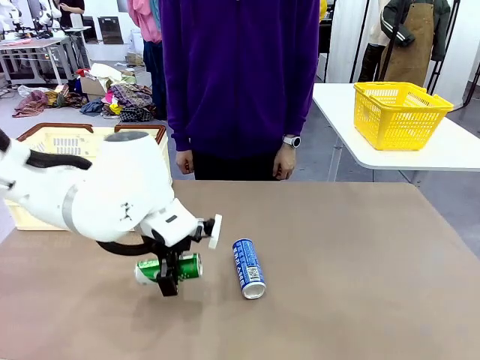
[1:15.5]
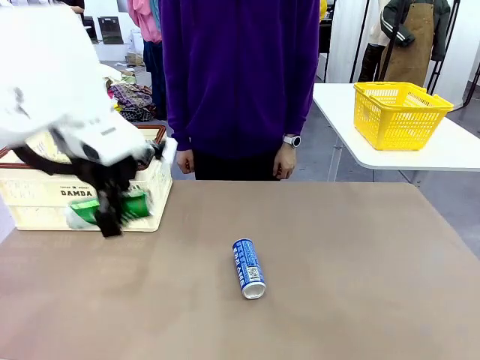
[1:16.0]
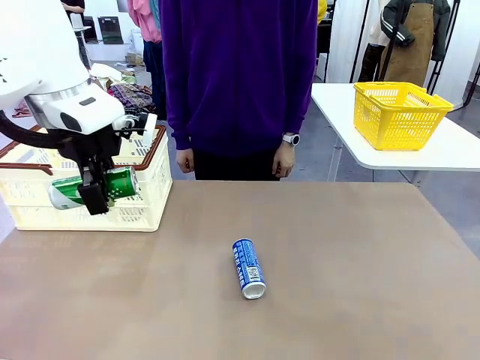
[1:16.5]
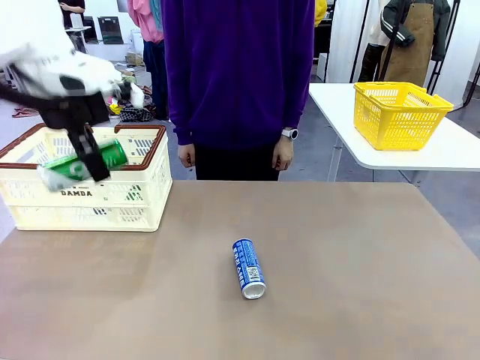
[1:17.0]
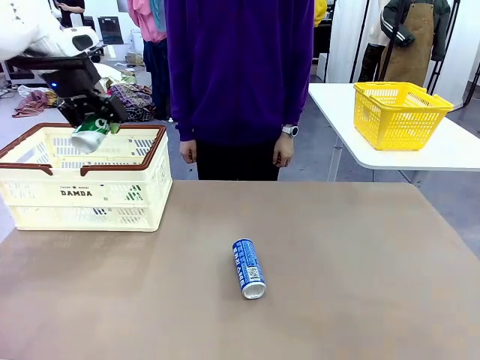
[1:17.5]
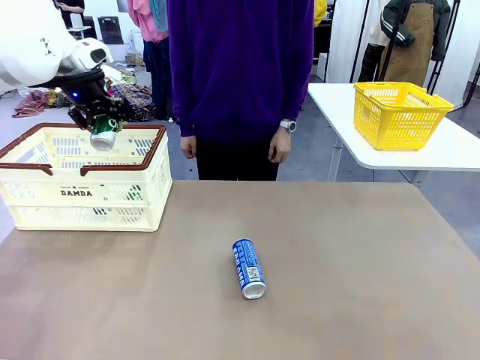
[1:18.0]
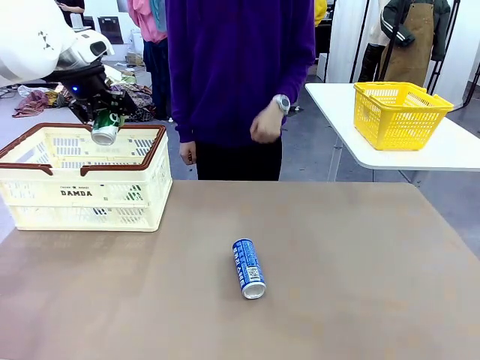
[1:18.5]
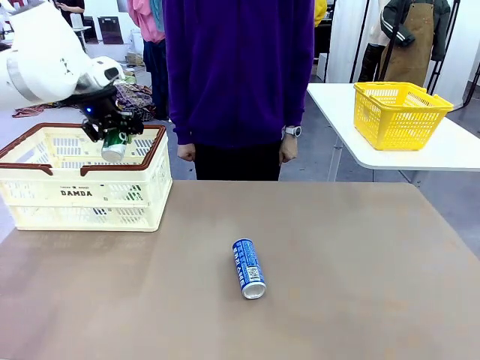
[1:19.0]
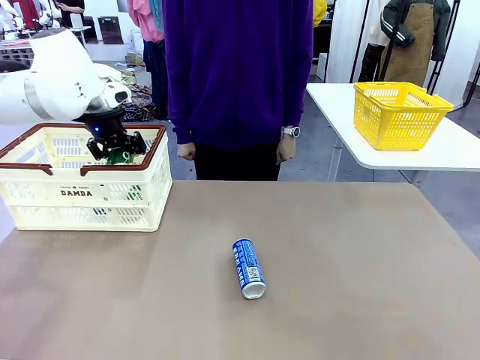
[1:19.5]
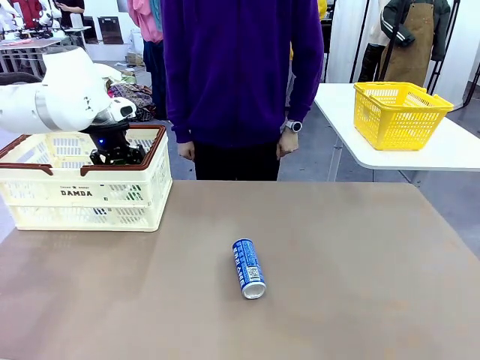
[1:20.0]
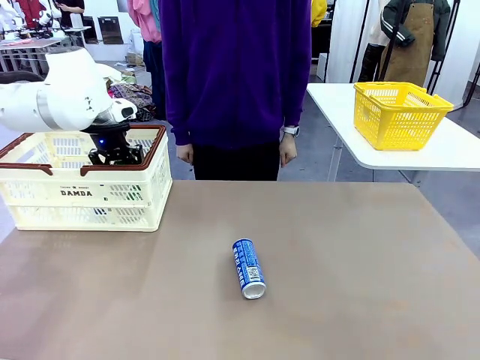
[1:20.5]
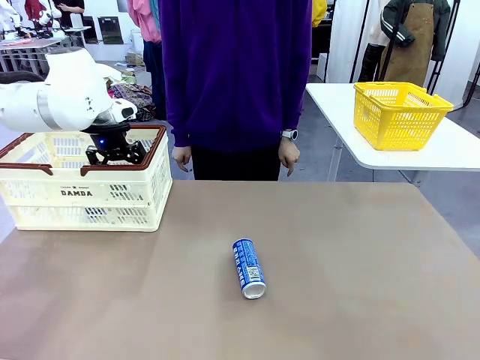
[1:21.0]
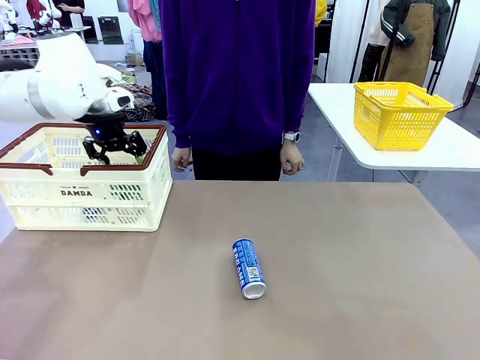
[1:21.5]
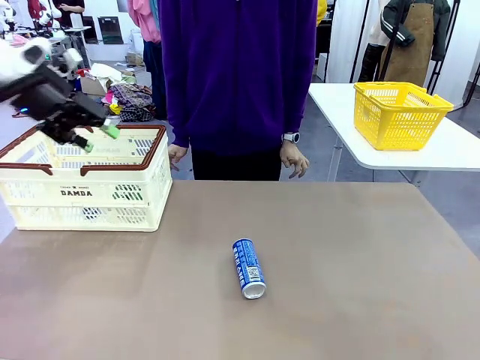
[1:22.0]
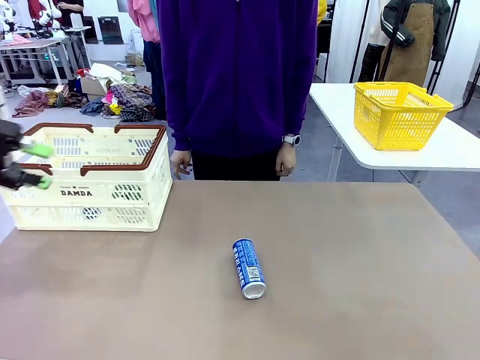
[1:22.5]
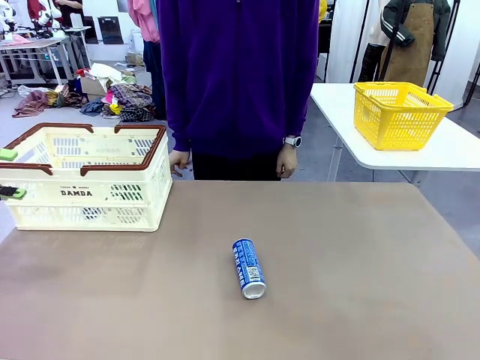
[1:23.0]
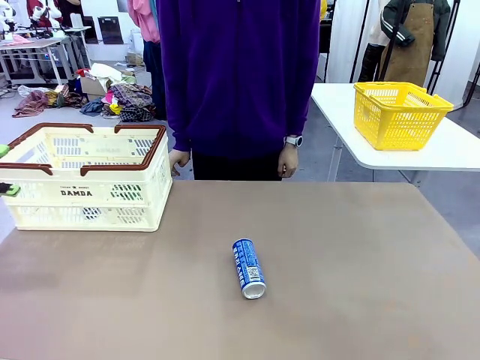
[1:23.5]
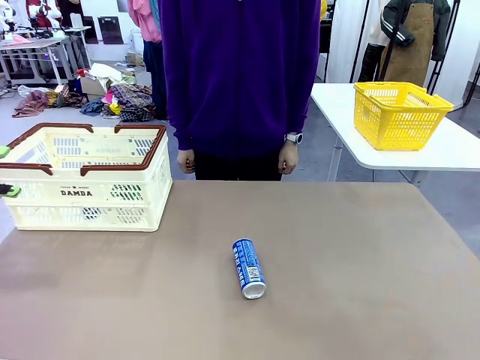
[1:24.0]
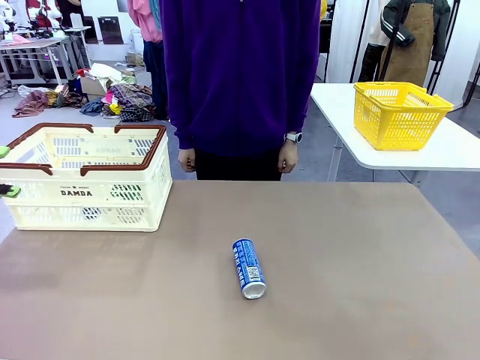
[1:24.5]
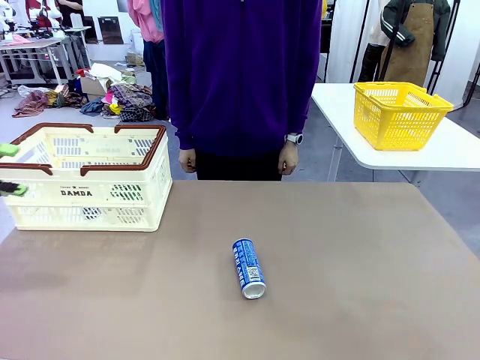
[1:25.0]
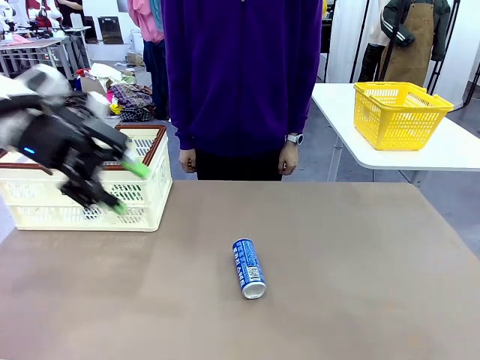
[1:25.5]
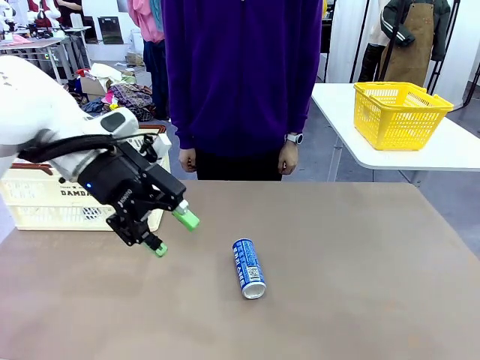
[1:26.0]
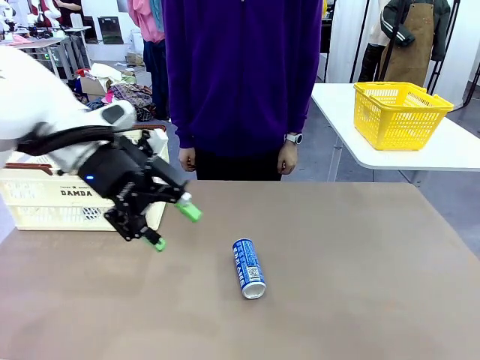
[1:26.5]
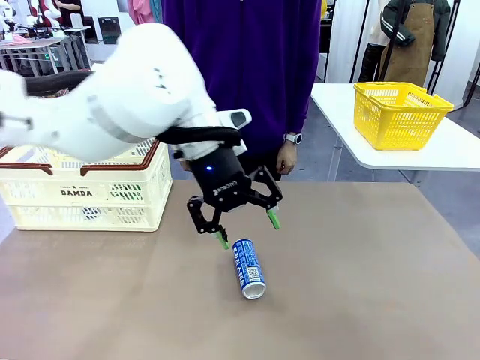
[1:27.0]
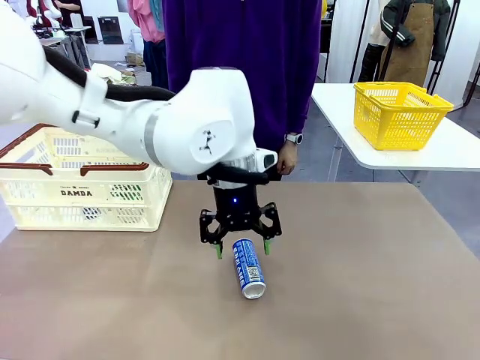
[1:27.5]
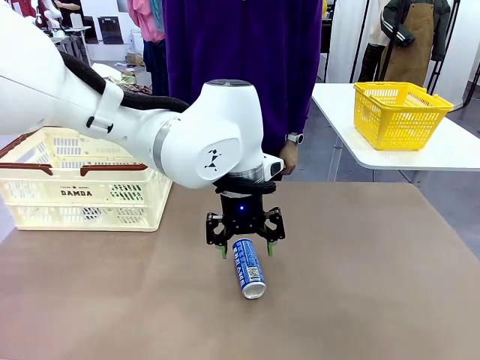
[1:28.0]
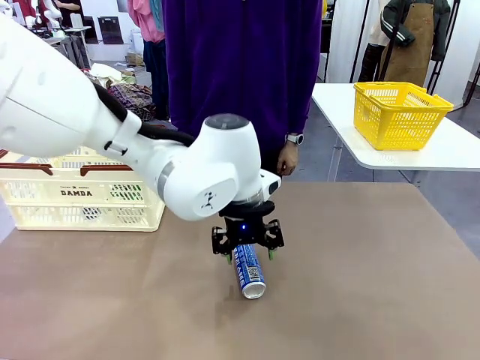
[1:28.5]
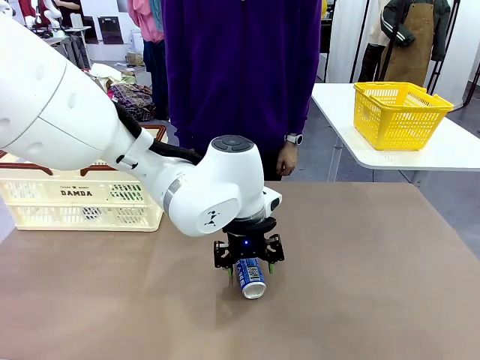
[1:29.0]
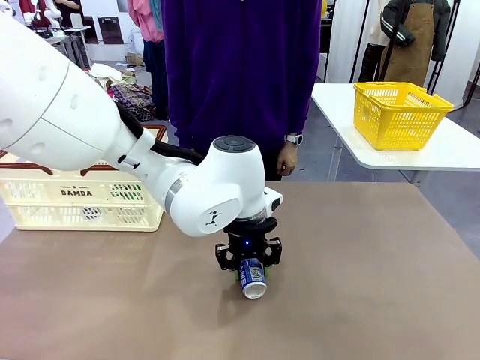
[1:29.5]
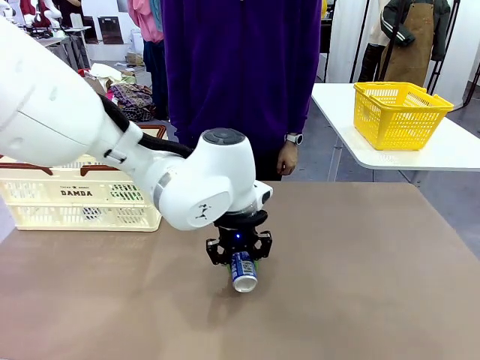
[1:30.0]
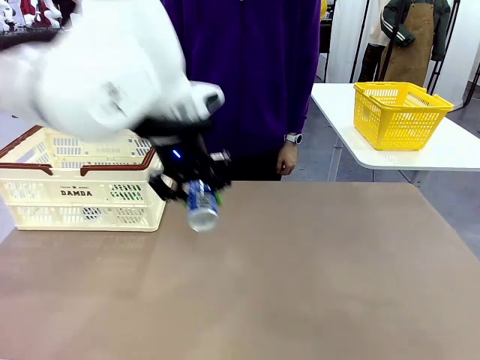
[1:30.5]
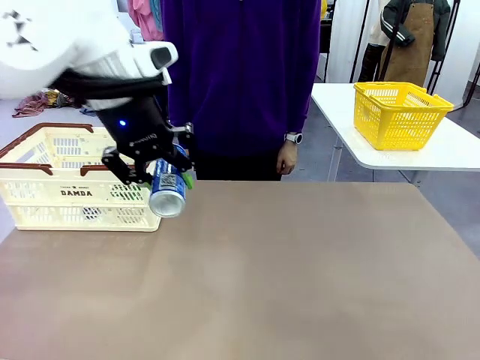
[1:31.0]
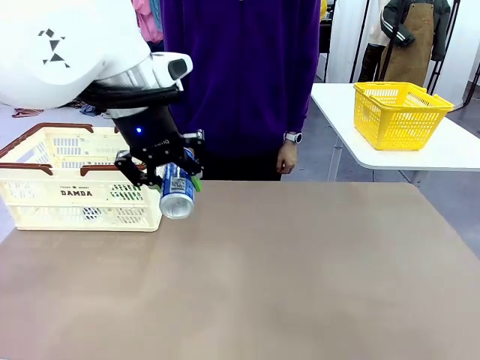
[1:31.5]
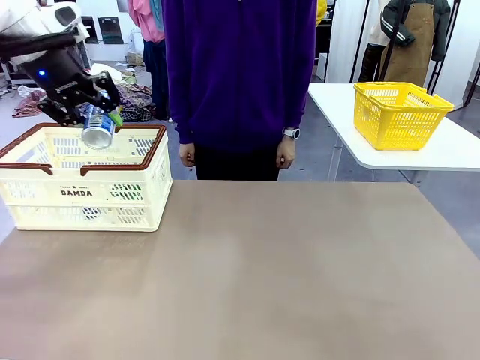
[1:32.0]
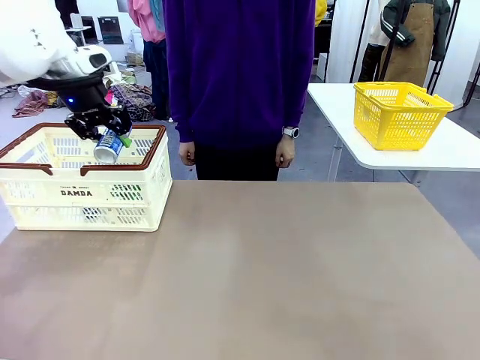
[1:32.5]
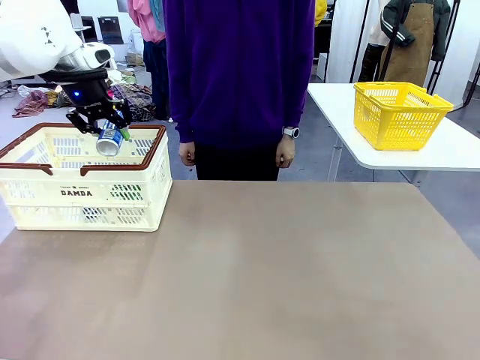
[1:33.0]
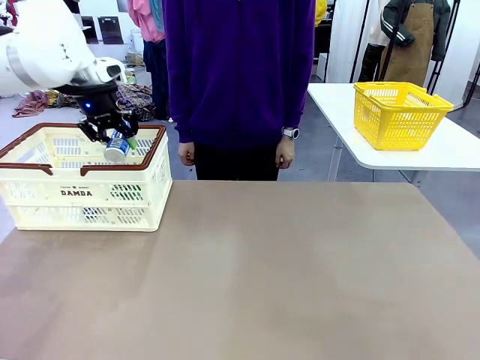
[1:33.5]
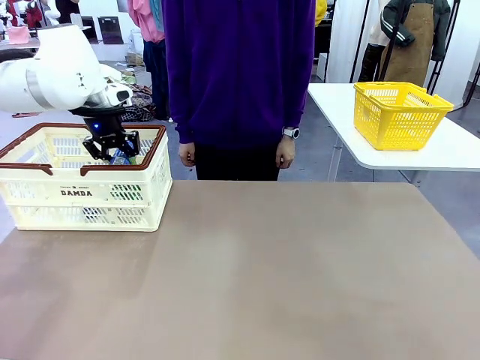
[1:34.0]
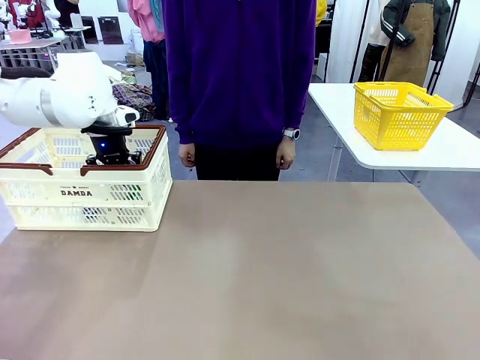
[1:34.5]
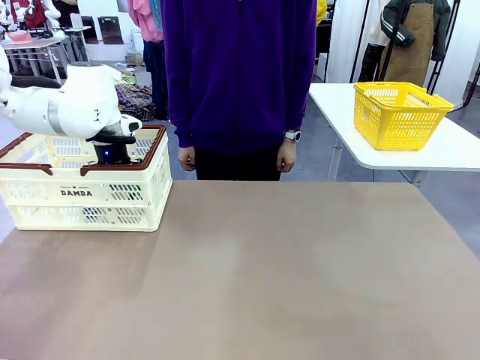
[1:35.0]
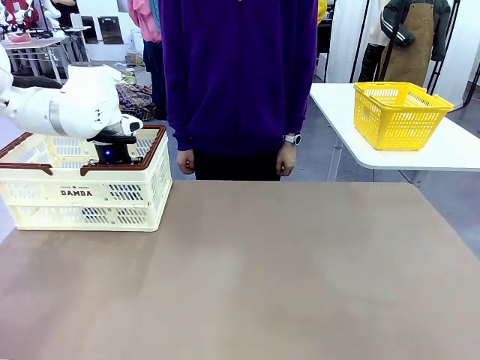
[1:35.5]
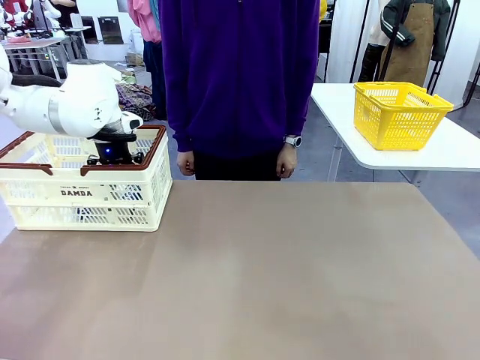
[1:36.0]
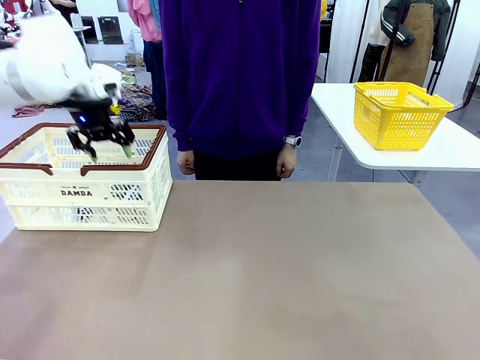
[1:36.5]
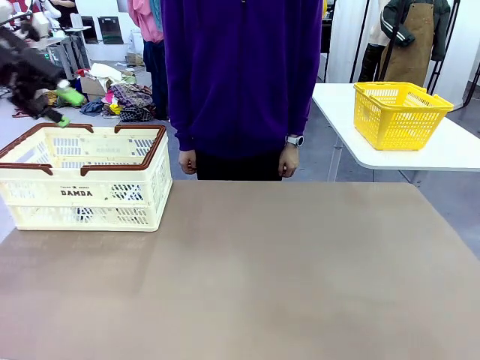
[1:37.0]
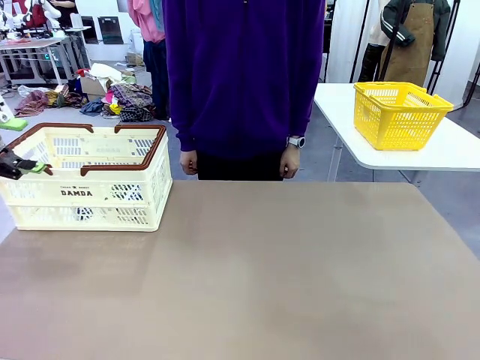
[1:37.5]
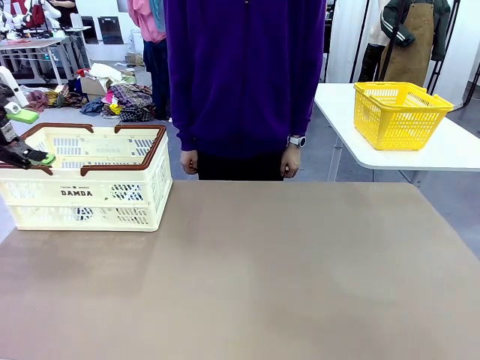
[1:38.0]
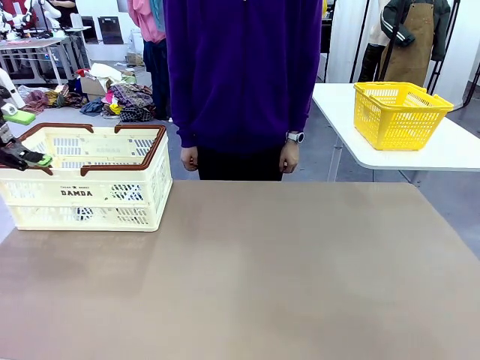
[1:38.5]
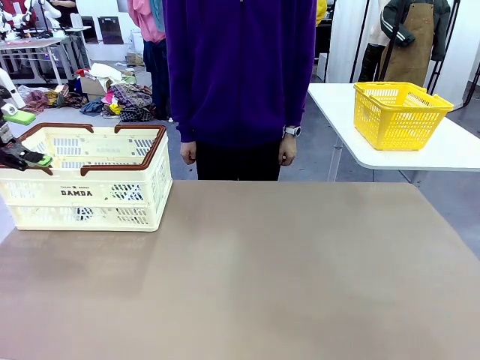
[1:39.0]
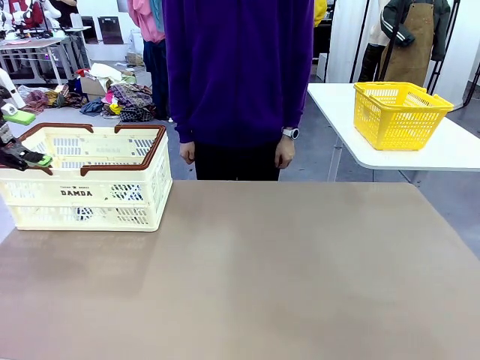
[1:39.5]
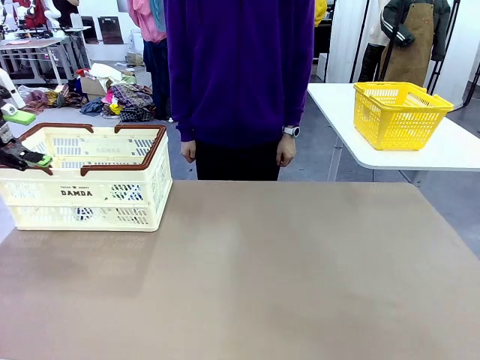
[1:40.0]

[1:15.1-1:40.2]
Task: Place the drinks into the Shopping basket.
Robot: Pick up one drink and place it into the Shopping basket.
